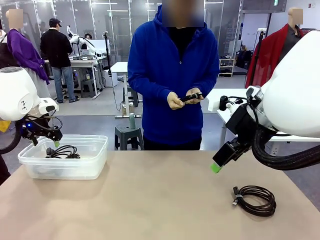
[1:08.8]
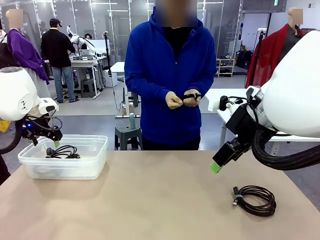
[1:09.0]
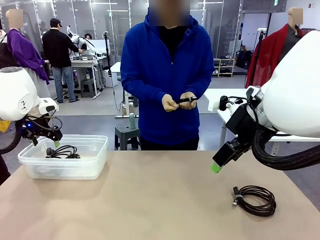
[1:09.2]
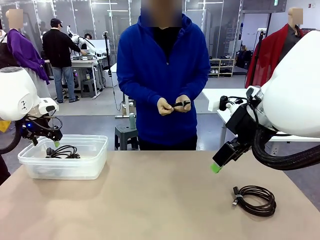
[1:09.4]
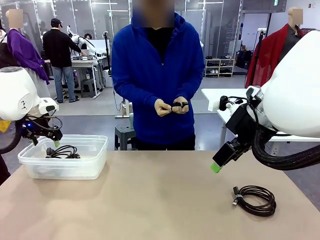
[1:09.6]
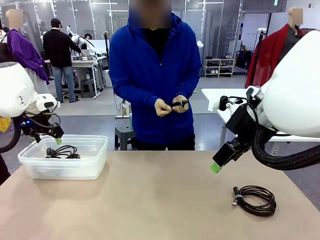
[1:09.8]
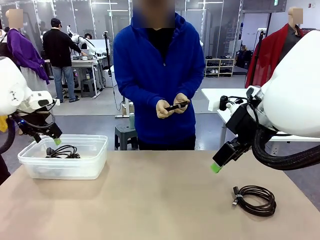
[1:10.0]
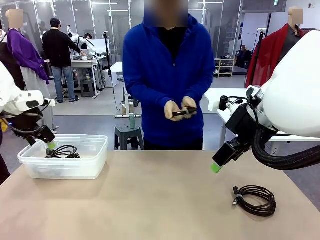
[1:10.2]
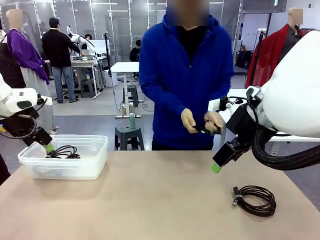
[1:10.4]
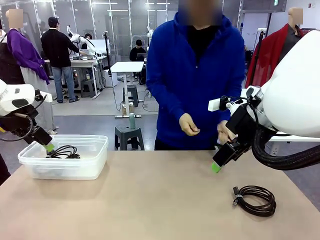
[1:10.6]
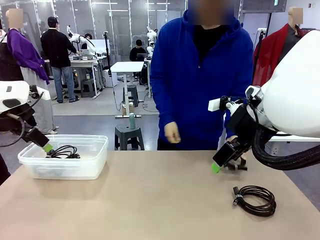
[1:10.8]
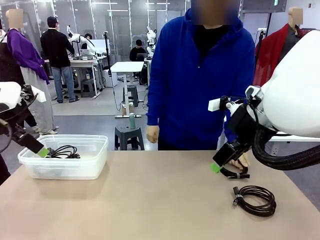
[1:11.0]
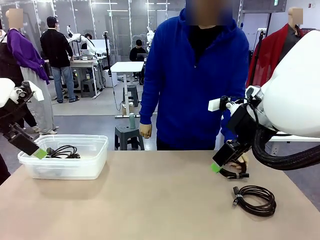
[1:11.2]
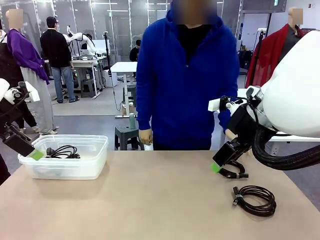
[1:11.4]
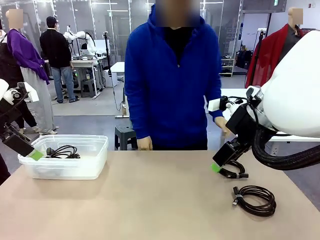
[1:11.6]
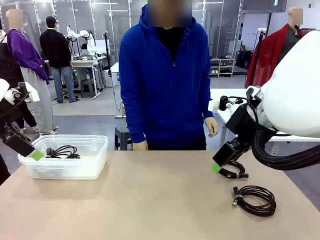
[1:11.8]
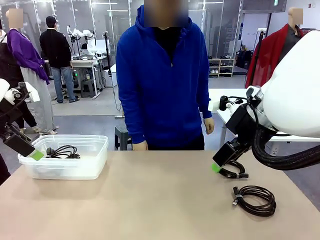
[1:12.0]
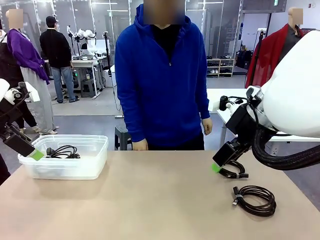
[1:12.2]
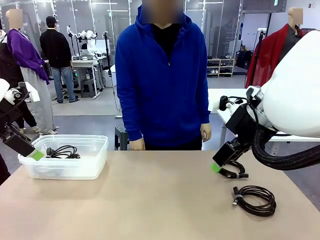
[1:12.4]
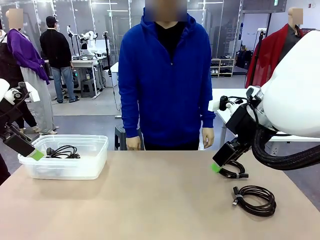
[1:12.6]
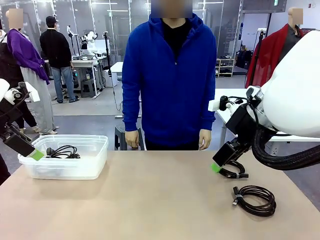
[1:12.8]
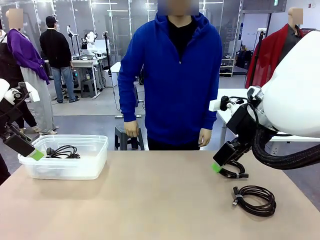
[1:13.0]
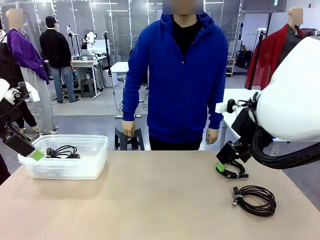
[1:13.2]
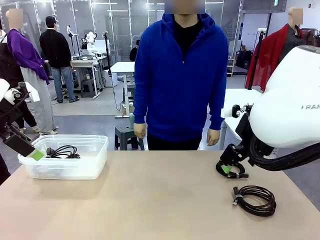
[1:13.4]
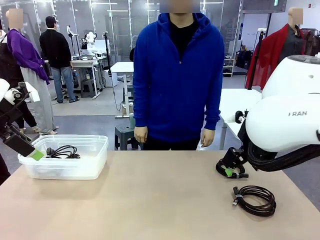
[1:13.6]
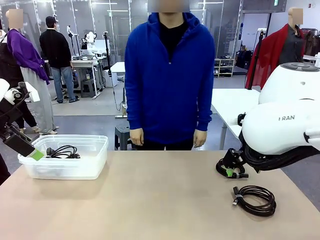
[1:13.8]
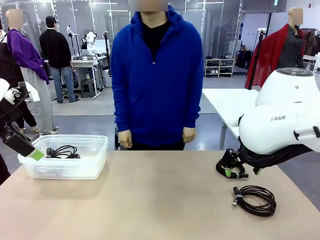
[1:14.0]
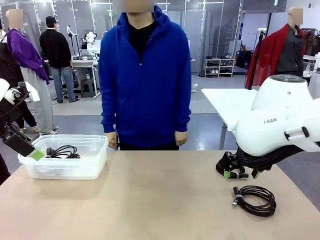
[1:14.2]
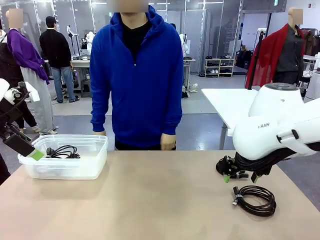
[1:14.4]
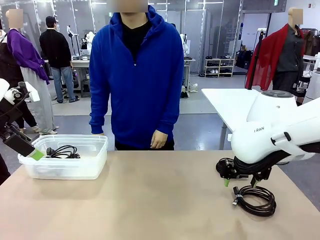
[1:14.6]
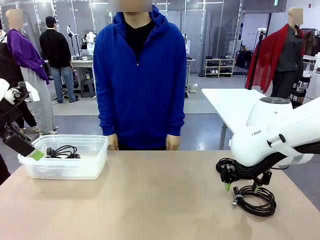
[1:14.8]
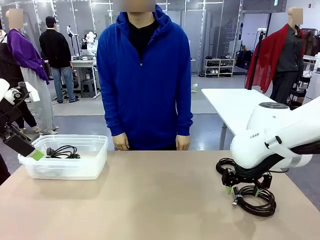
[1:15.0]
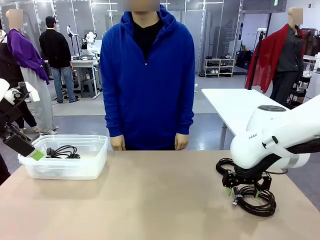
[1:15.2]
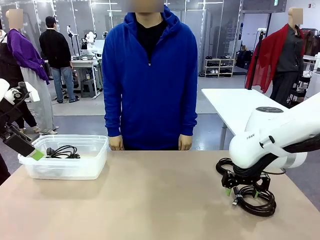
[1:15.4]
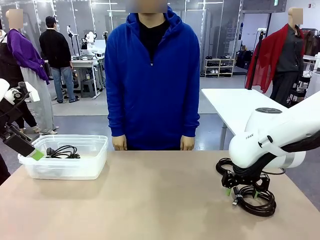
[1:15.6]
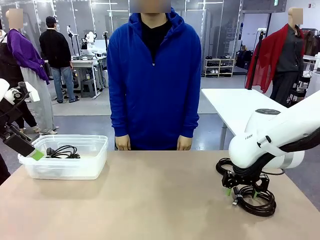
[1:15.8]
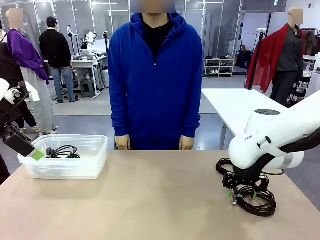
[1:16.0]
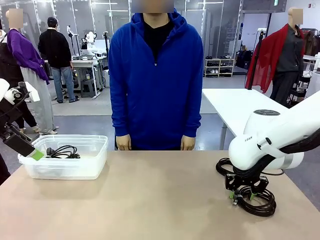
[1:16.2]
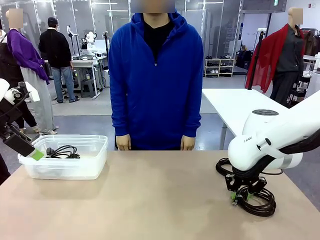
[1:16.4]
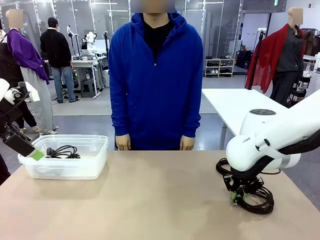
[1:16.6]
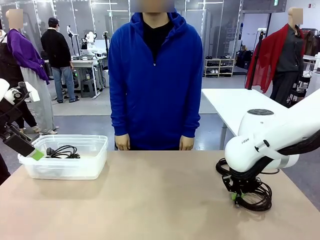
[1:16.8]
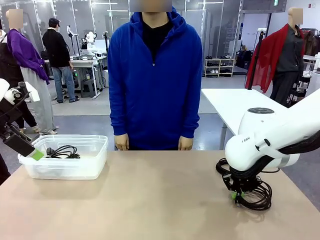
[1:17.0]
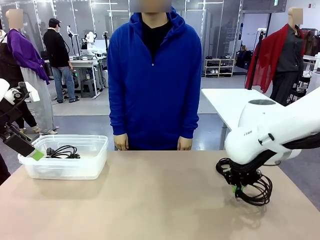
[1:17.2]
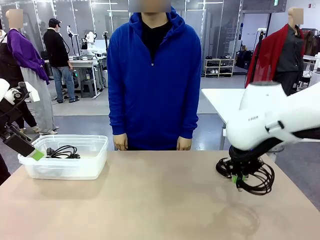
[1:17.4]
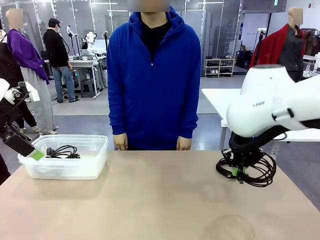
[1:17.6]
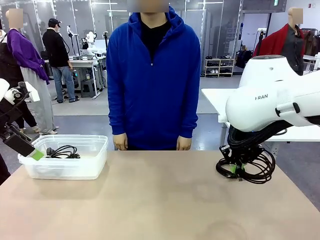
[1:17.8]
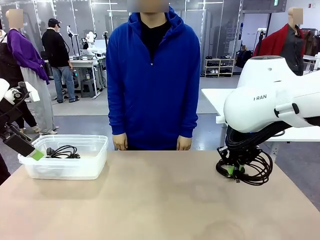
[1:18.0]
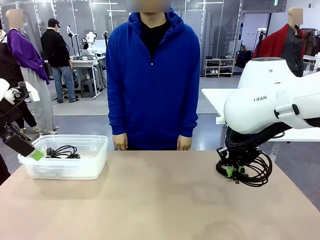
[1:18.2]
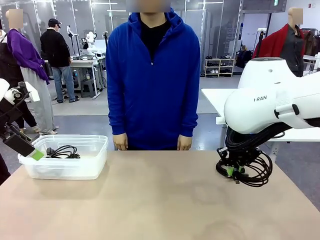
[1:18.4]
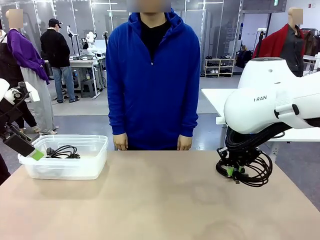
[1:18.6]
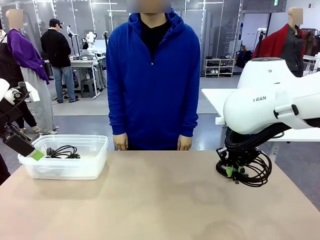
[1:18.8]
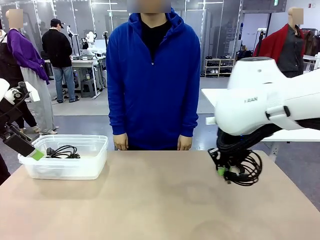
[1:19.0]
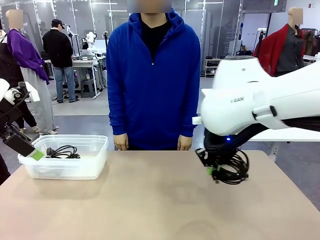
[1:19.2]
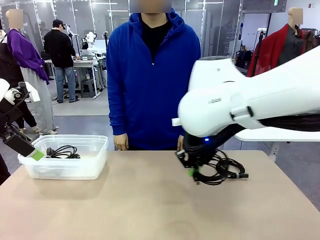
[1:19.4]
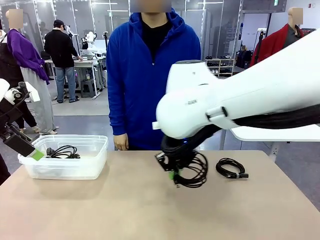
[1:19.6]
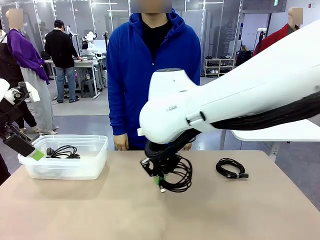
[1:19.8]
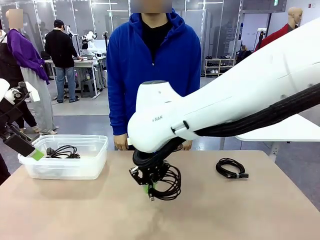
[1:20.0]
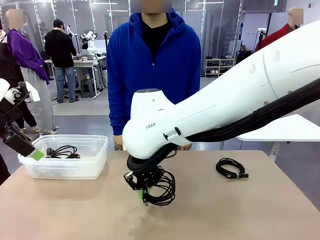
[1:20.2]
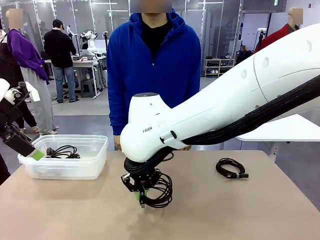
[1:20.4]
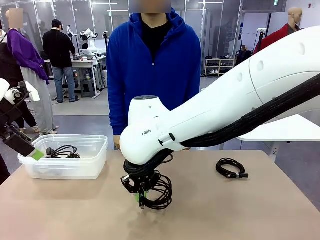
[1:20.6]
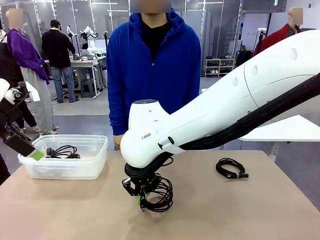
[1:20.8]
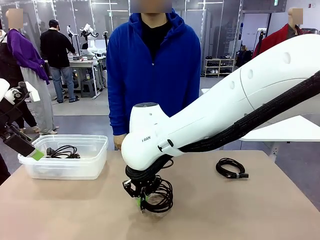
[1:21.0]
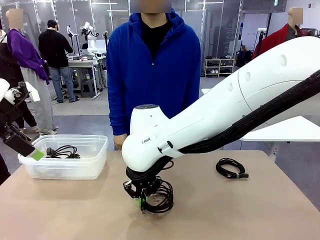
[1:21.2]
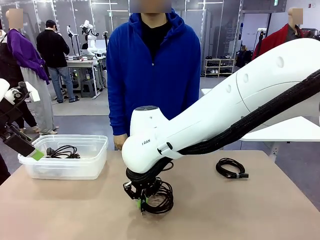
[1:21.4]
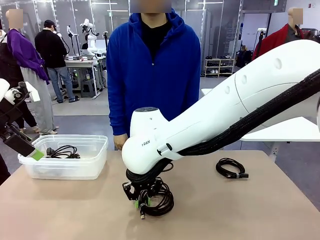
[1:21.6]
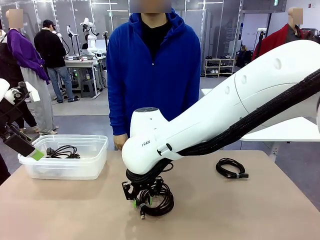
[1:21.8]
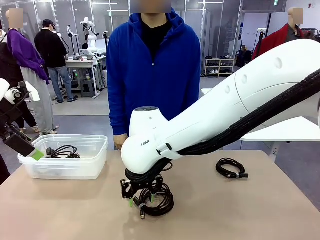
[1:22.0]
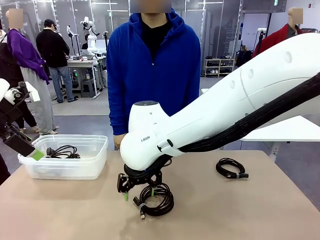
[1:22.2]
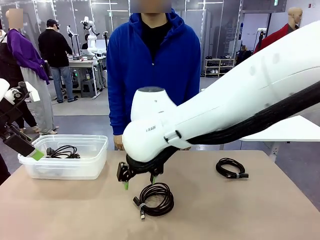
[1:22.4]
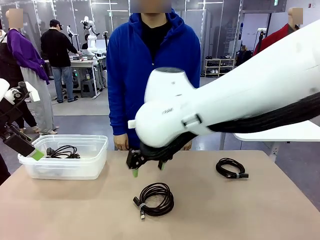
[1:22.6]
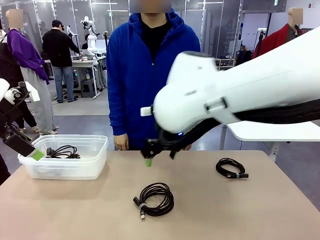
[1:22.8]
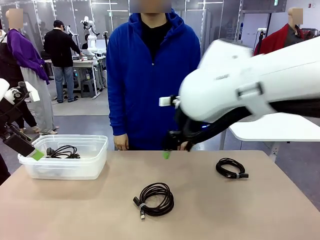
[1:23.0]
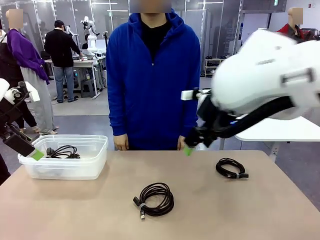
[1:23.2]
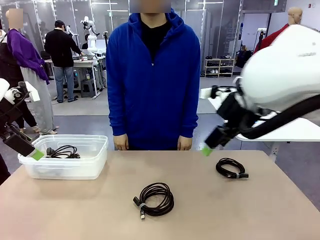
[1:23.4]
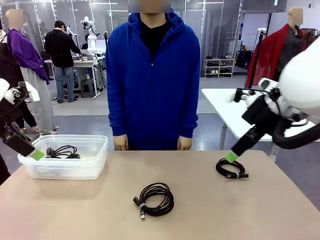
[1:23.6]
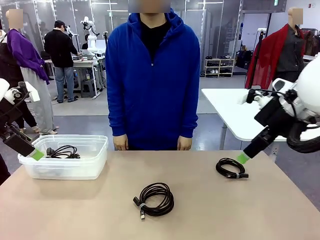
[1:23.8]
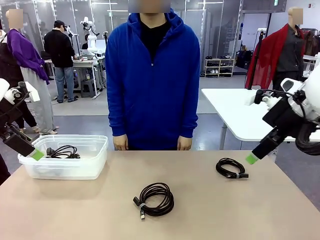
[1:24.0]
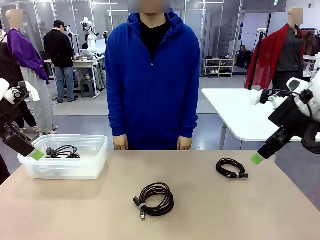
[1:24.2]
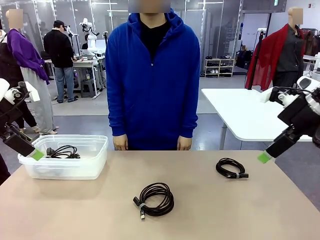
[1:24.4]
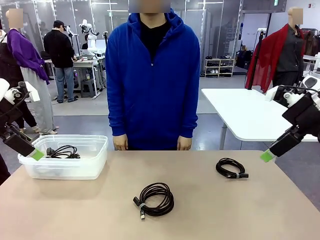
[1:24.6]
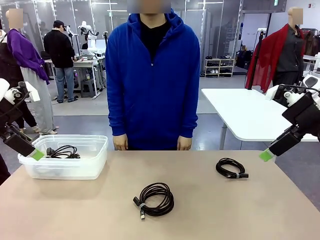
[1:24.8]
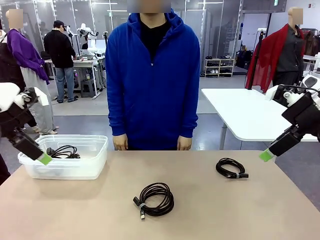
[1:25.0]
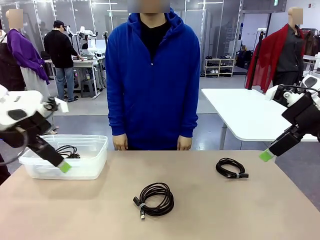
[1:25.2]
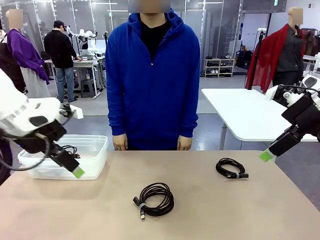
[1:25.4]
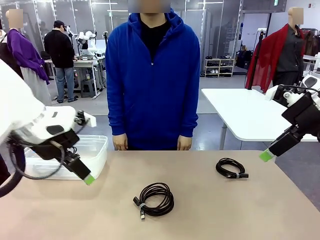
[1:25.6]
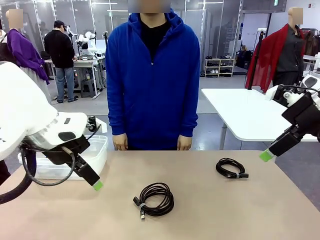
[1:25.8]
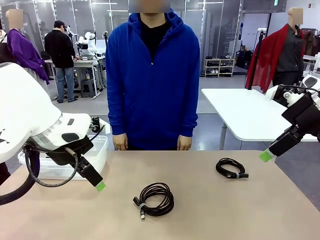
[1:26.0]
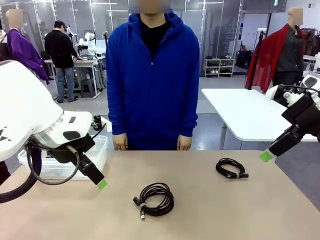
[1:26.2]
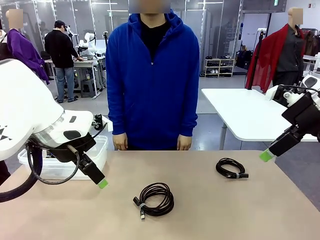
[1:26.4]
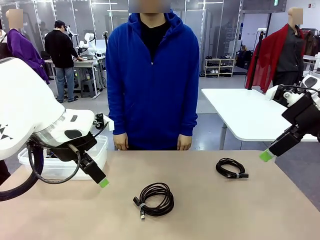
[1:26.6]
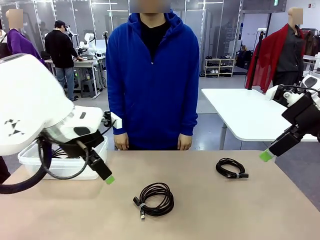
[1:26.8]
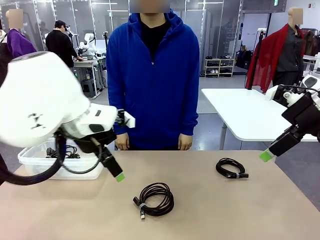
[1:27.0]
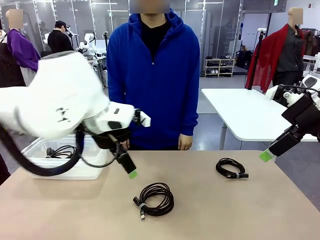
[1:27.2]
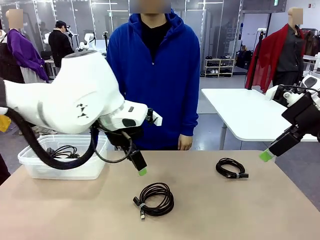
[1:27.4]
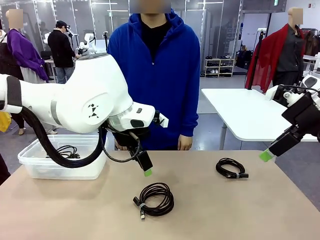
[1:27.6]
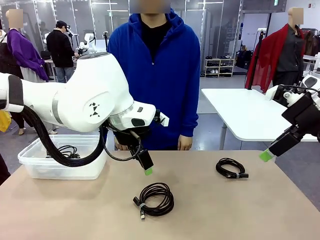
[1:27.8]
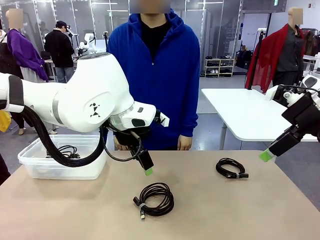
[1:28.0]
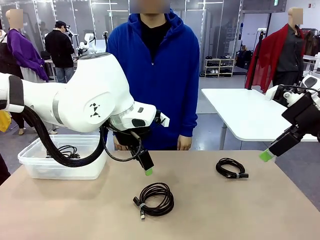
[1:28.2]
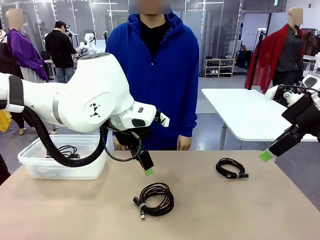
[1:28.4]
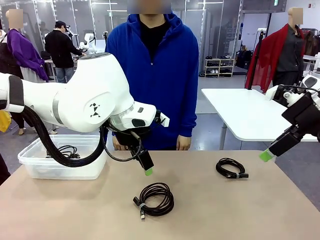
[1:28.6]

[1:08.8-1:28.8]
Task: Organize and store the cables.
Robot: Place the USB Extension Cable into the Organizing box.
